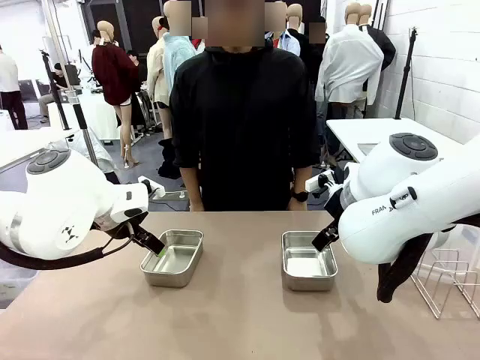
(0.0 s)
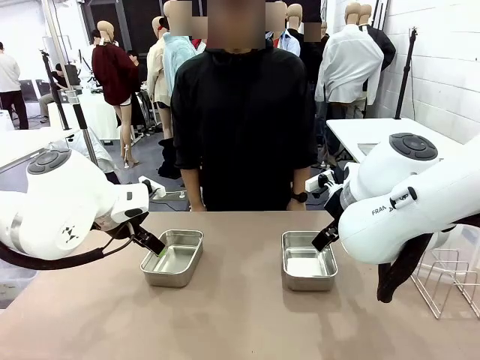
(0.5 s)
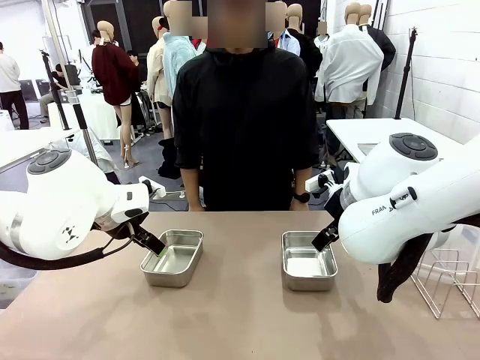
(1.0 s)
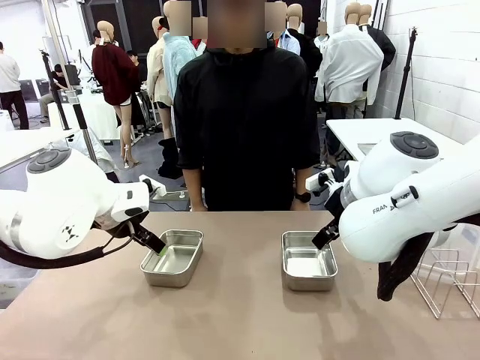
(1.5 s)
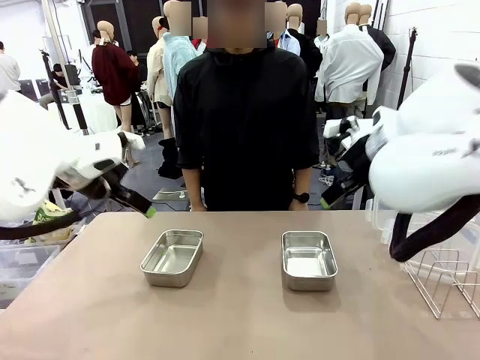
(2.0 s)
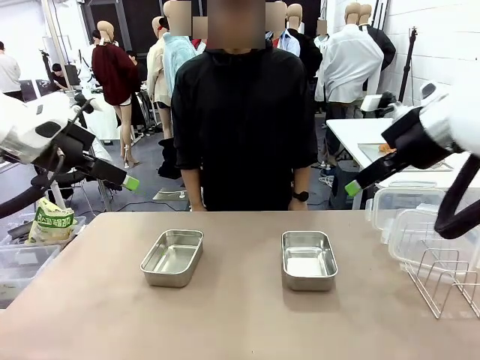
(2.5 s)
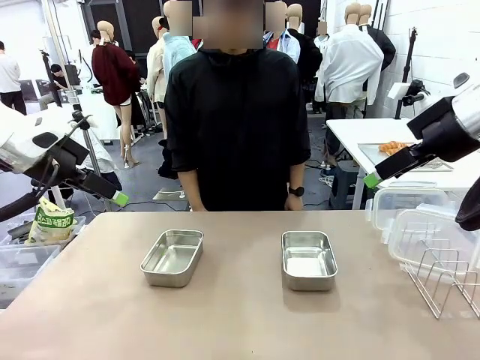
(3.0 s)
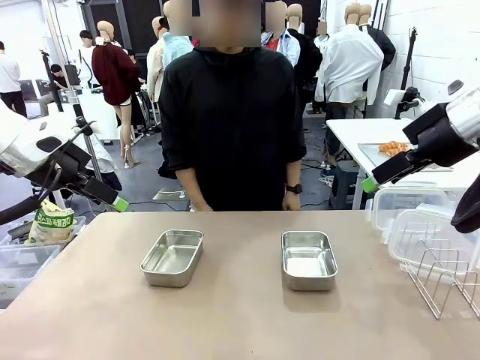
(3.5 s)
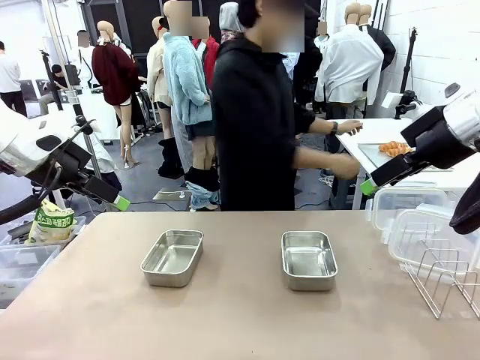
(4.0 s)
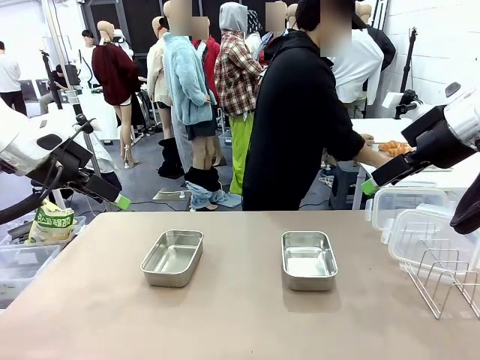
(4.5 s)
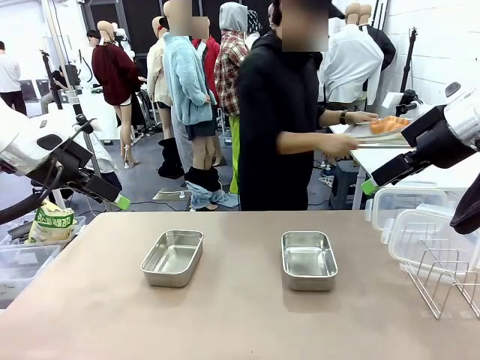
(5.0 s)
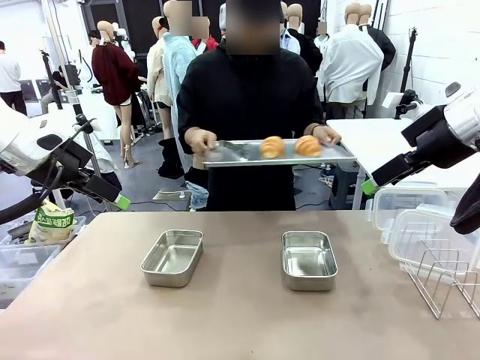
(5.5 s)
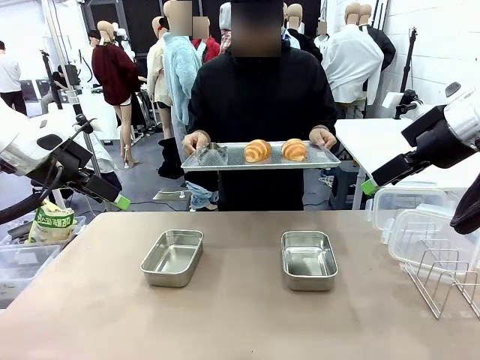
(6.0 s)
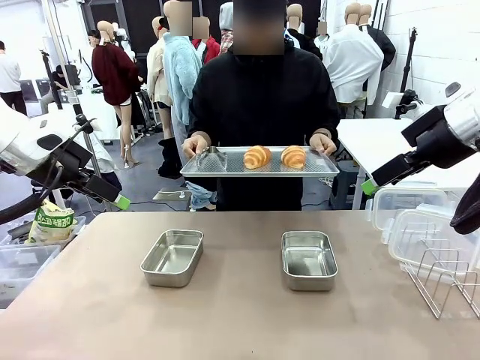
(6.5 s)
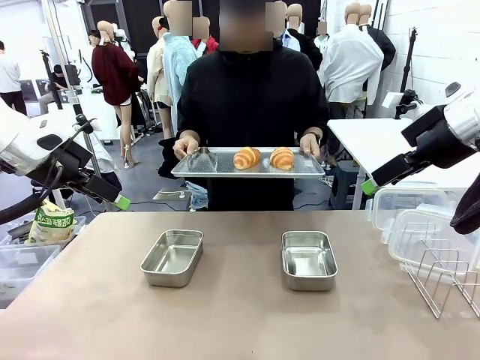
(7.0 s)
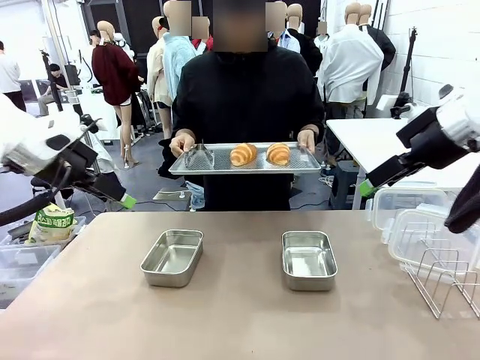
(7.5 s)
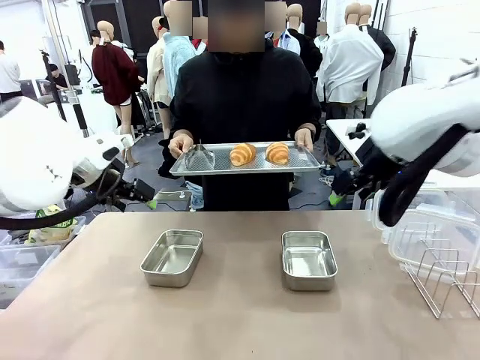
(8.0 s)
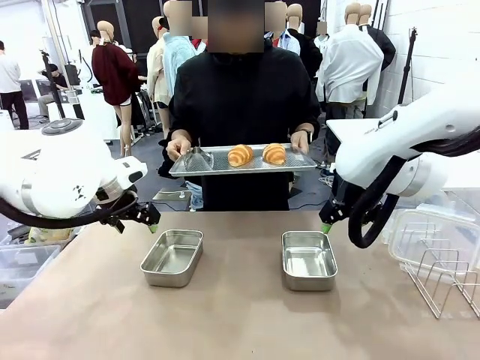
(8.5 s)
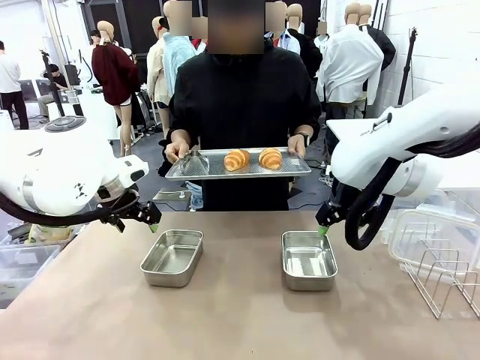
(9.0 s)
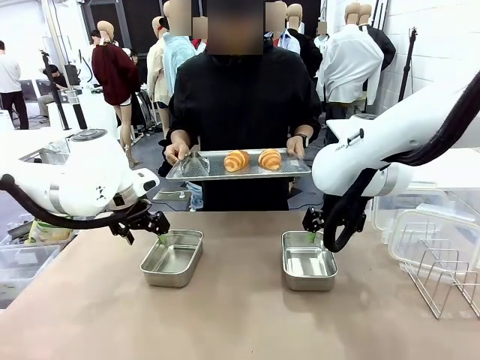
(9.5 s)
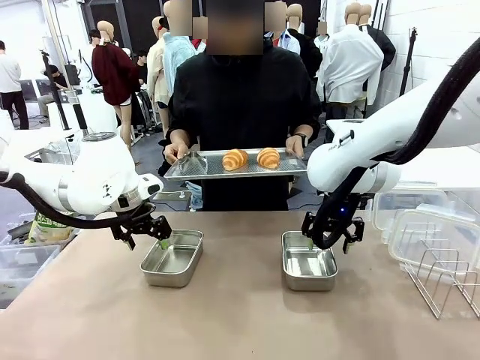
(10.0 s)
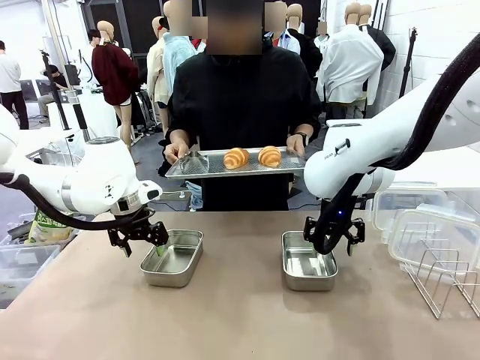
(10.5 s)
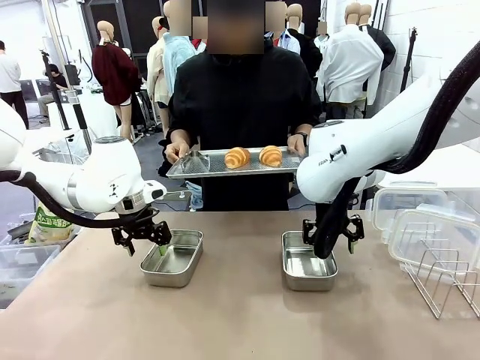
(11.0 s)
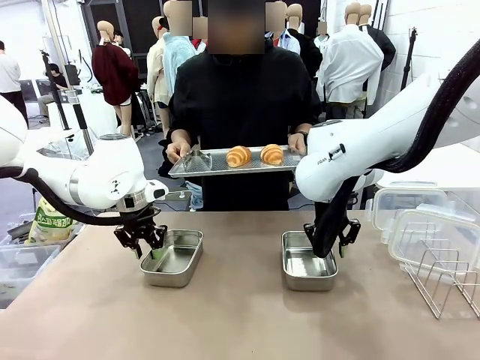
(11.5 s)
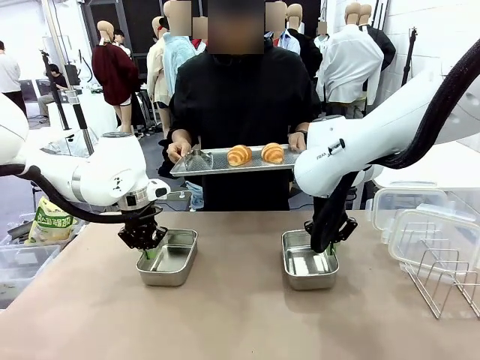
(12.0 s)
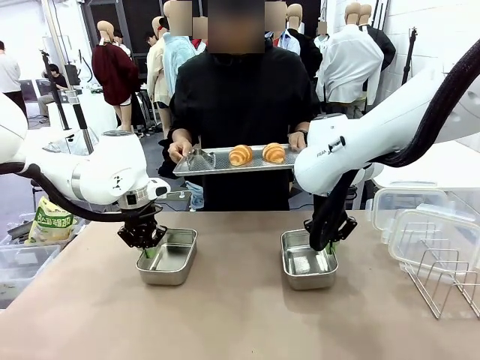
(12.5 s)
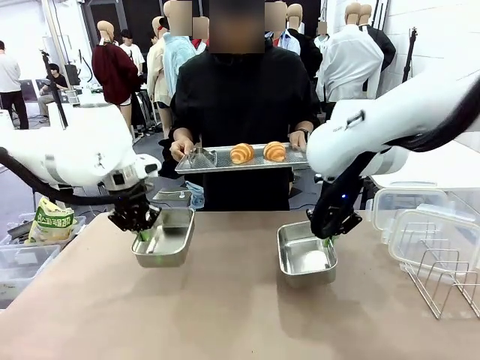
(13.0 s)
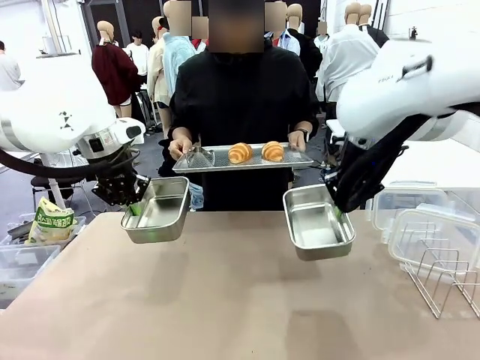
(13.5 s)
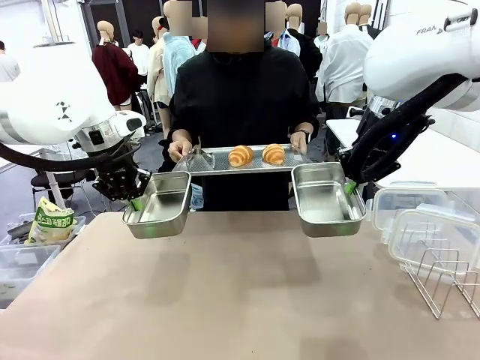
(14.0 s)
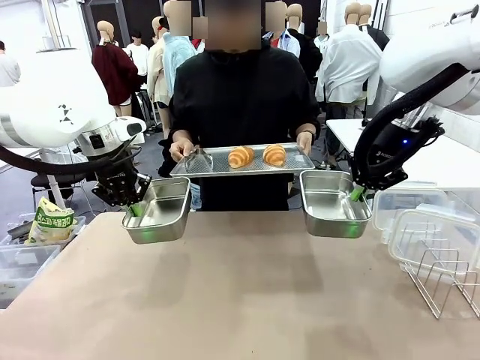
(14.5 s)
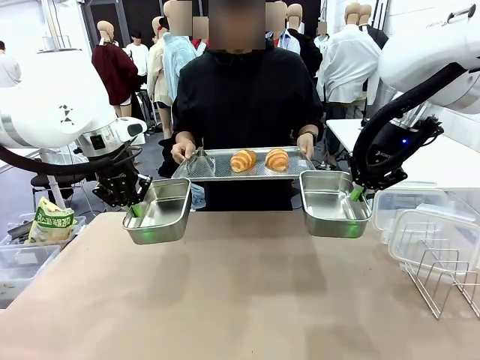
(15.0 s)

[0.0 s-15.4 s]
Task: Place the bread in airtight containers.
Robot: Lift both Airtight Container.
Person: Bring the Baking Sheet in front of Robot's Table.

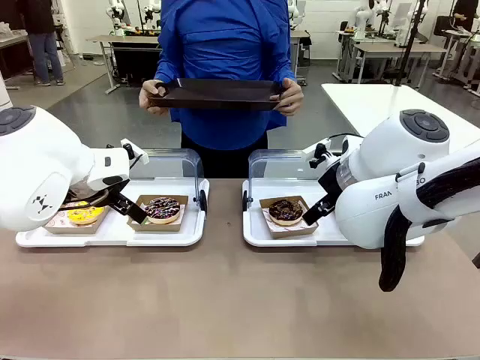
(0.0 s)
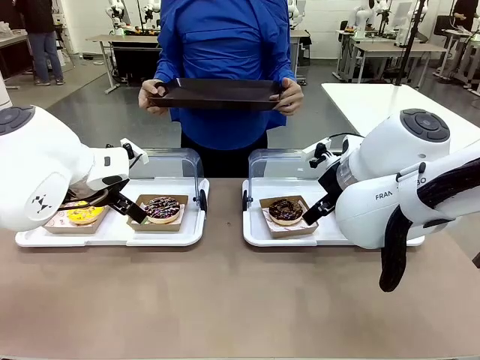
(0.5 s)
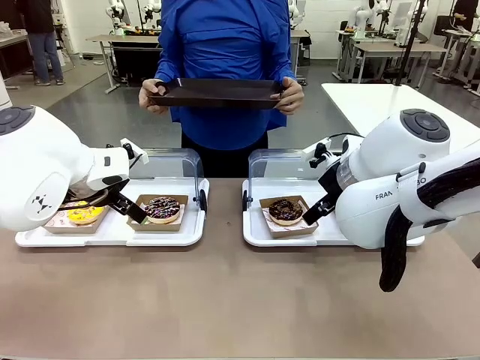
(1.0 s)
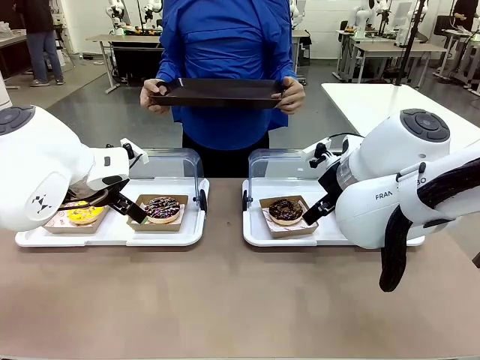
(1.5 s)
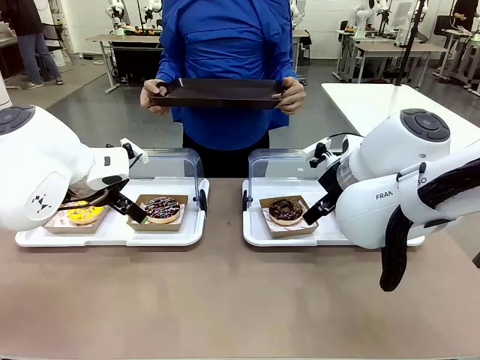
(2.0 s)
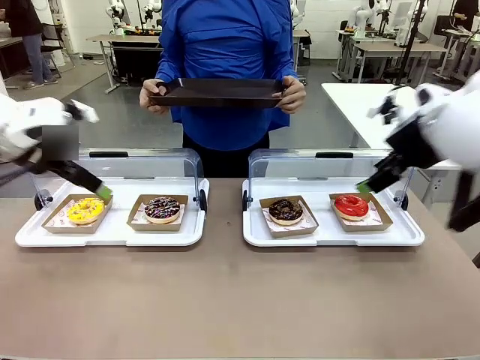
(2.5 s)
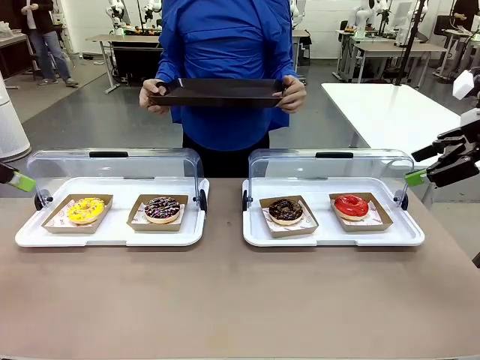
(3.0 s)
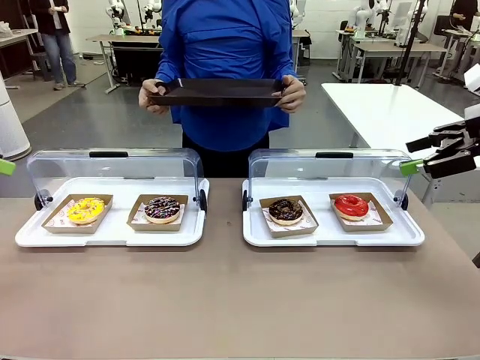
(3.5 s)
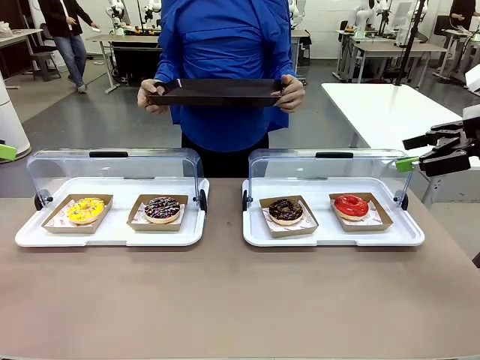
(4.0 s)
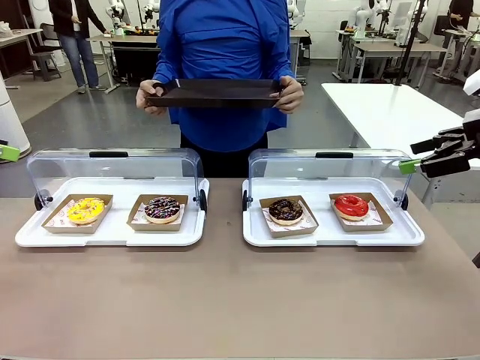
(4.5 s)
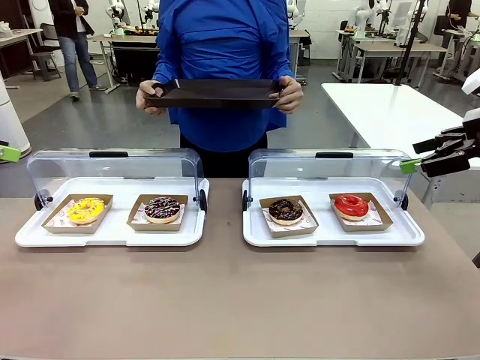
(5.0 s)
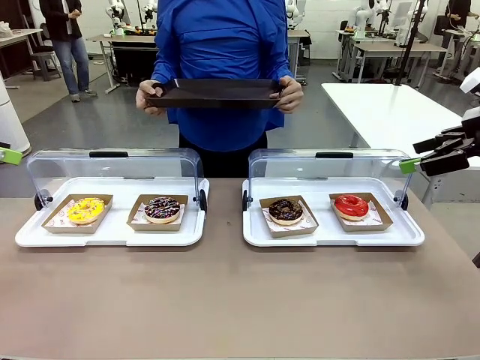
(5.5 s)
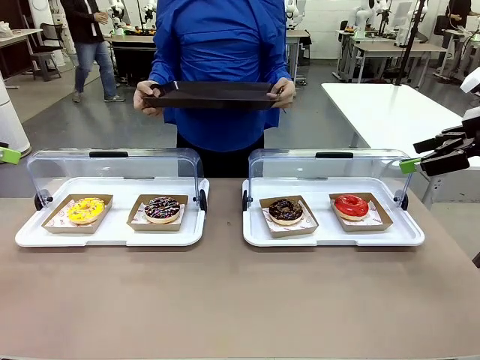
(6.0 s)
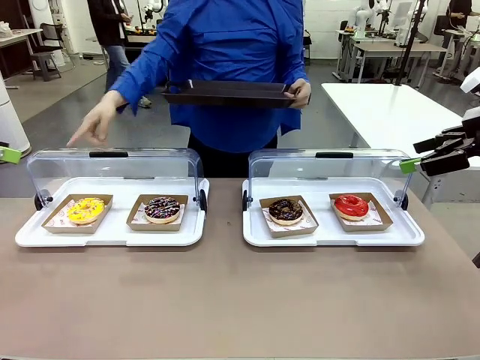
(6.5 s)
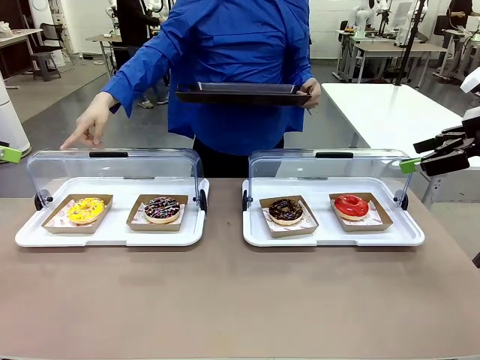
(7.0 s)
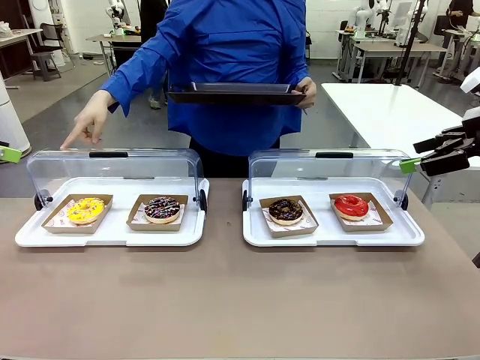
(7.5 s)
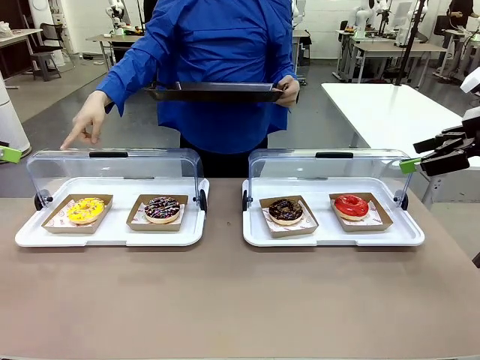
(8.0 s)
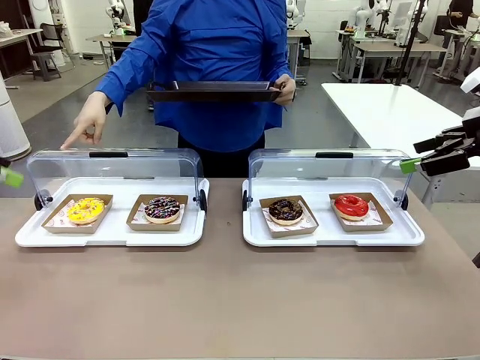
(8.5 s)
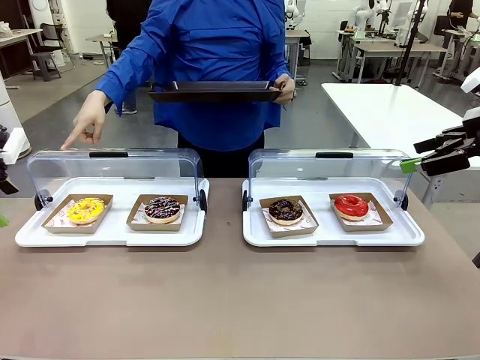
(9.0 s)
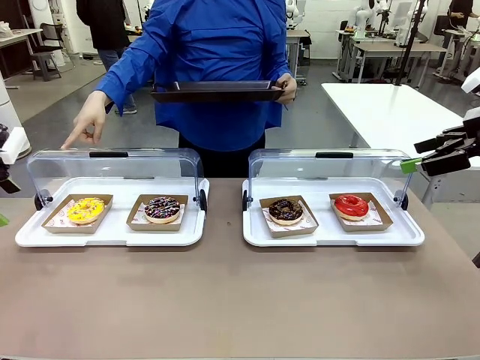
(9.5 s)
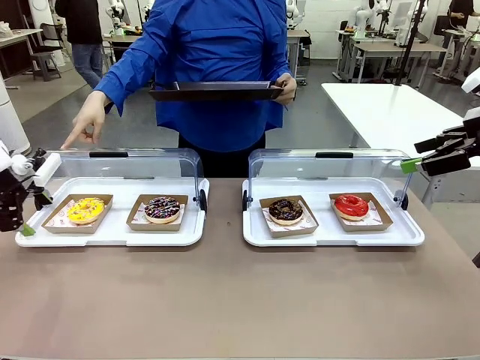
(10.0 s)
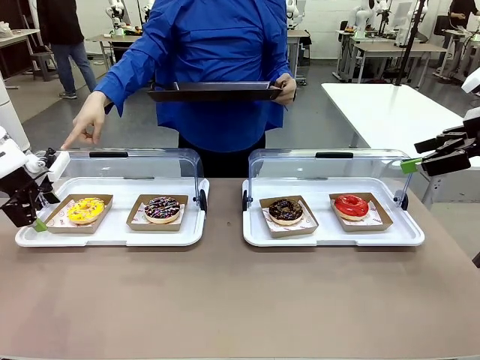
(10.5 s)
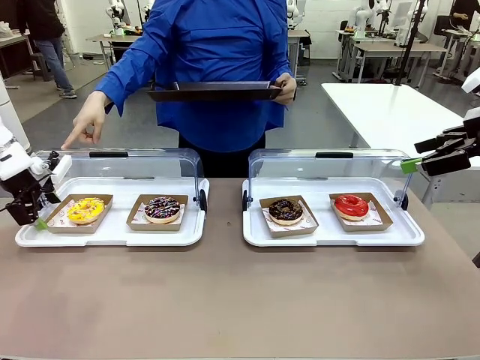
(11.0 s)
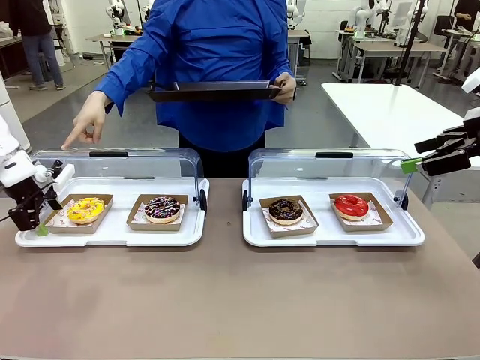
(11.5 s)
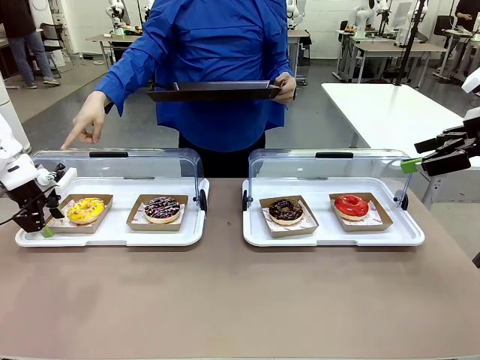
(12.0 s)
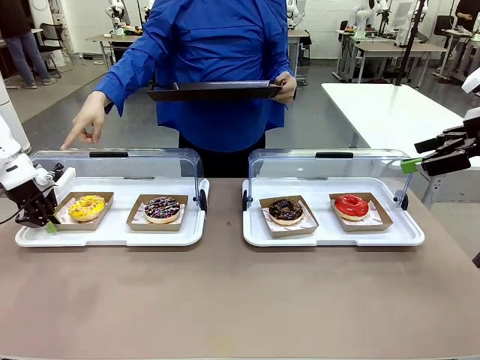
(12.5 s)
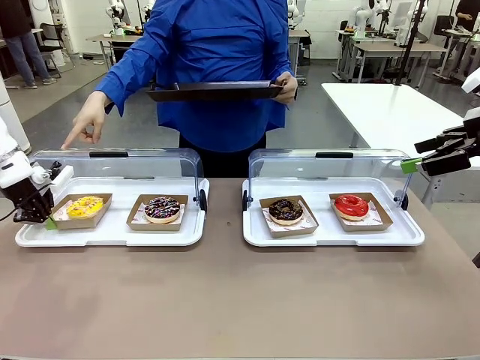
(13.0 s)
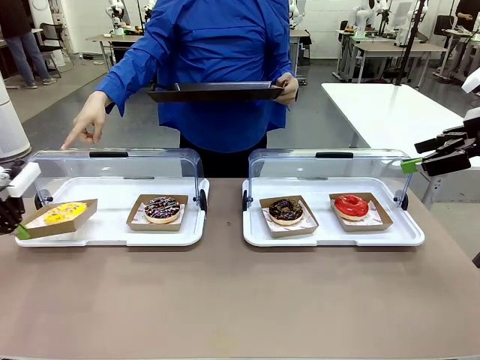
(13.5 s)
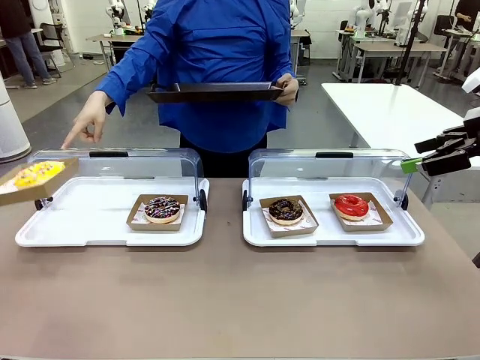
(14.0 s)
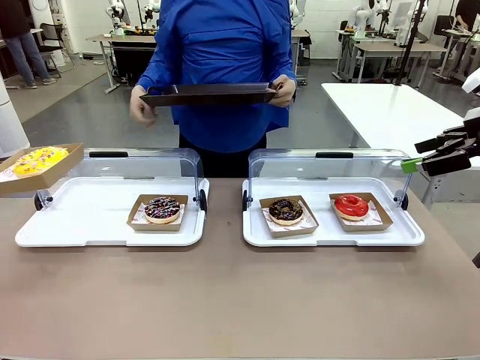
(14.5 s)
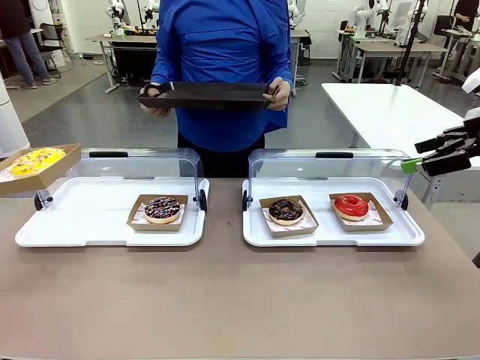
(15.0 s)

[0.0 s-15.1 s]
Task: Provide the desired donut to the person.
Robot: Pick up and lift the Paper togo box containing the Donut pointed at by the person.
Person: Point to one donut. Lift the tray onto the Roll-Top Bakery Case.
